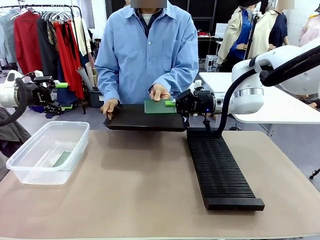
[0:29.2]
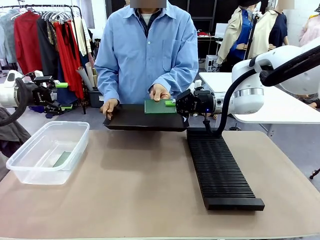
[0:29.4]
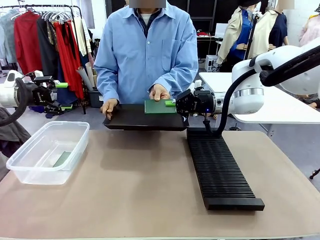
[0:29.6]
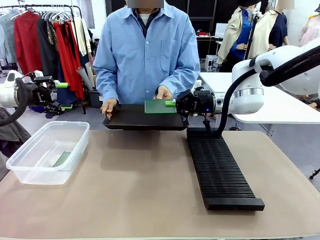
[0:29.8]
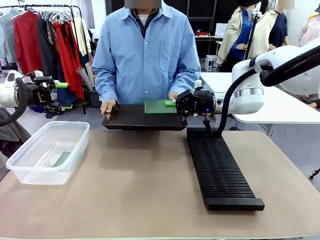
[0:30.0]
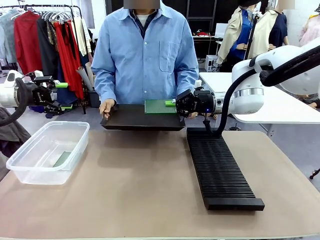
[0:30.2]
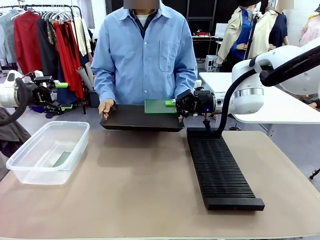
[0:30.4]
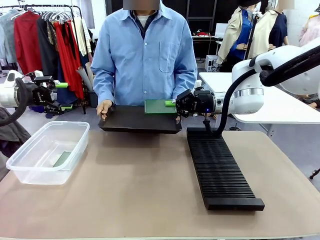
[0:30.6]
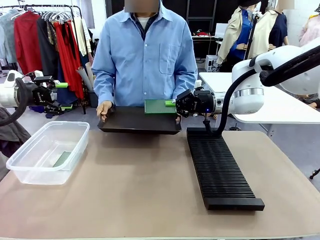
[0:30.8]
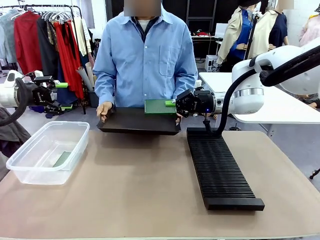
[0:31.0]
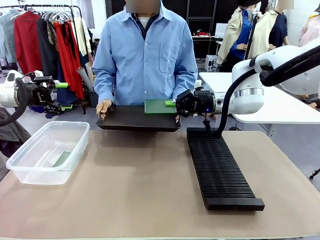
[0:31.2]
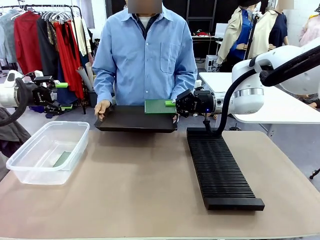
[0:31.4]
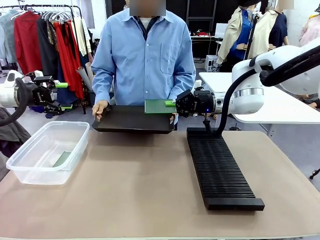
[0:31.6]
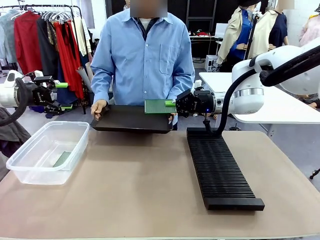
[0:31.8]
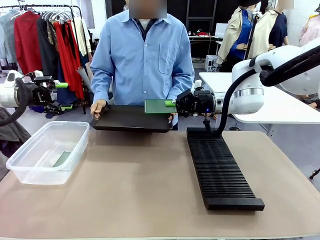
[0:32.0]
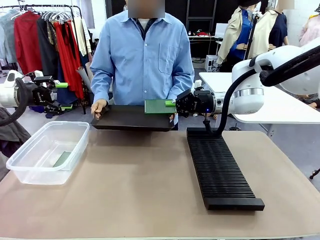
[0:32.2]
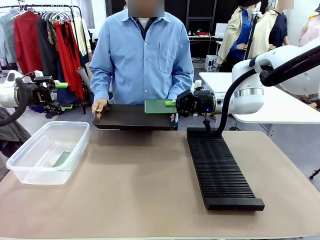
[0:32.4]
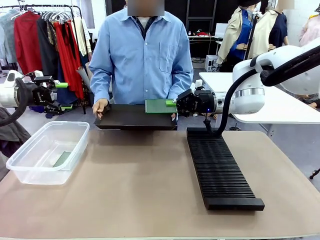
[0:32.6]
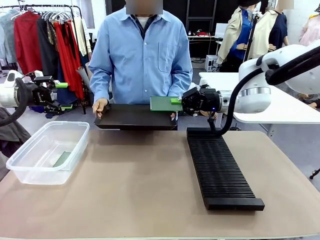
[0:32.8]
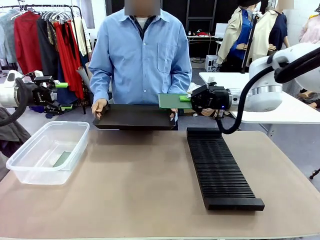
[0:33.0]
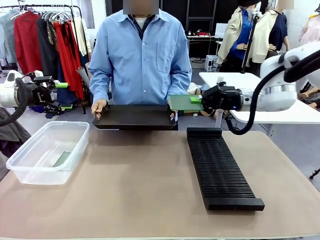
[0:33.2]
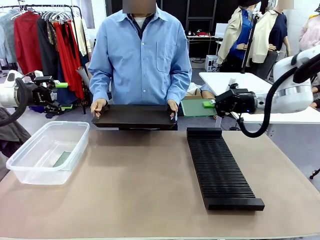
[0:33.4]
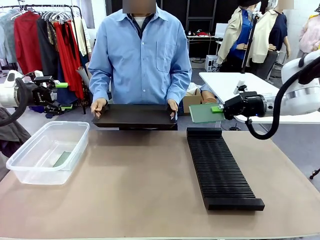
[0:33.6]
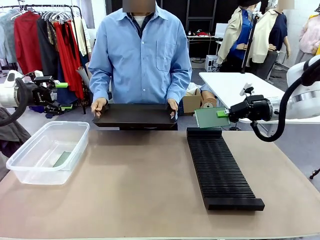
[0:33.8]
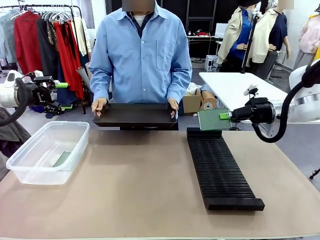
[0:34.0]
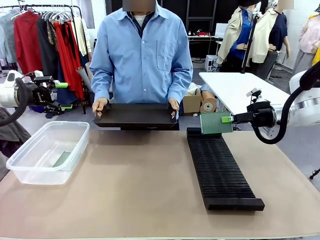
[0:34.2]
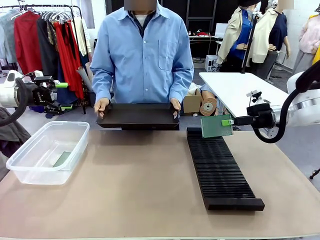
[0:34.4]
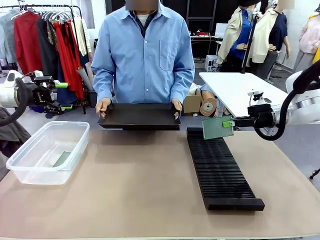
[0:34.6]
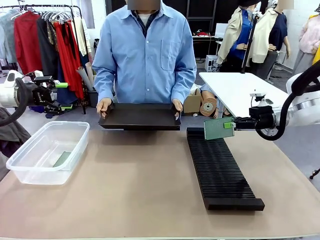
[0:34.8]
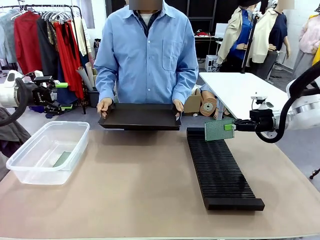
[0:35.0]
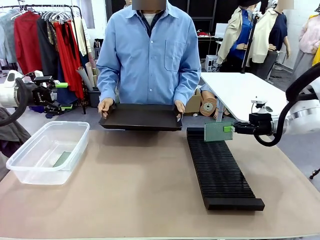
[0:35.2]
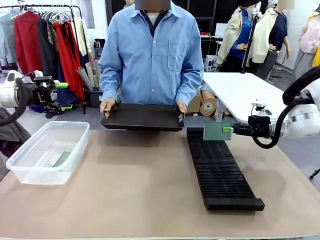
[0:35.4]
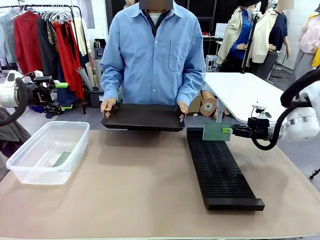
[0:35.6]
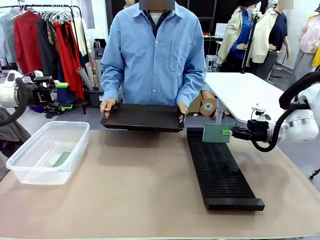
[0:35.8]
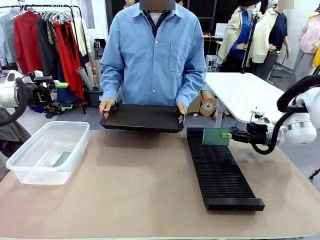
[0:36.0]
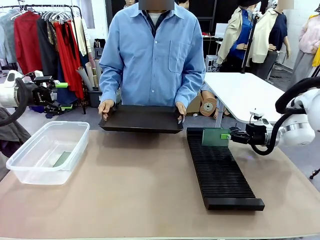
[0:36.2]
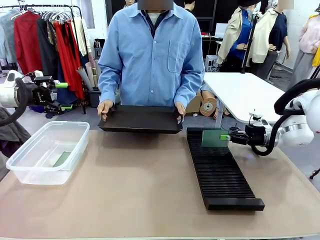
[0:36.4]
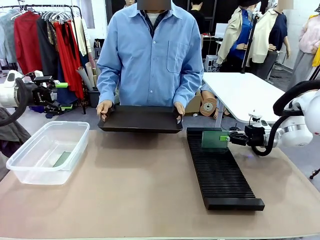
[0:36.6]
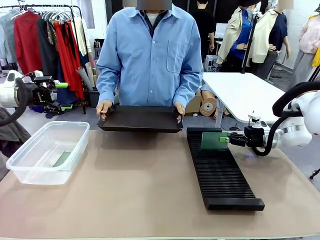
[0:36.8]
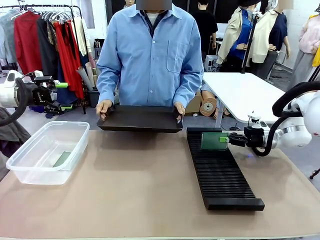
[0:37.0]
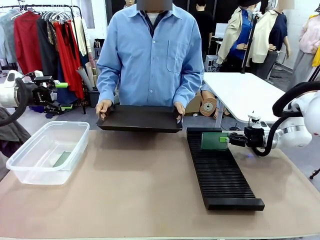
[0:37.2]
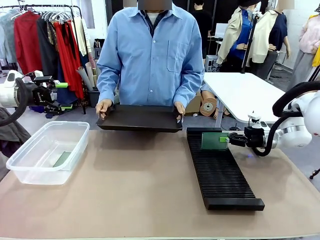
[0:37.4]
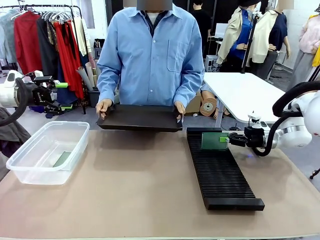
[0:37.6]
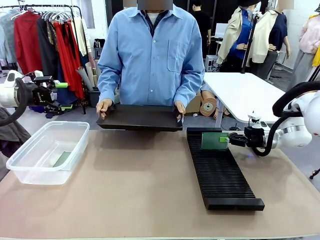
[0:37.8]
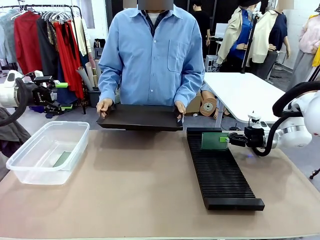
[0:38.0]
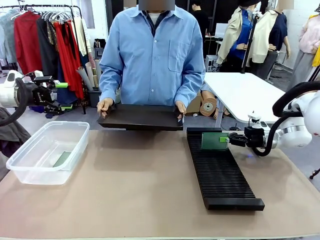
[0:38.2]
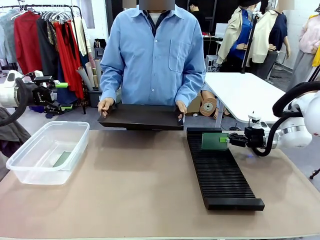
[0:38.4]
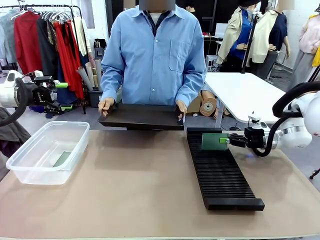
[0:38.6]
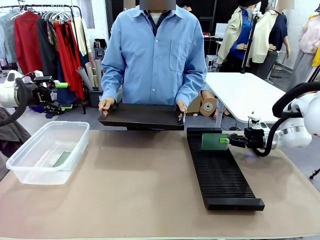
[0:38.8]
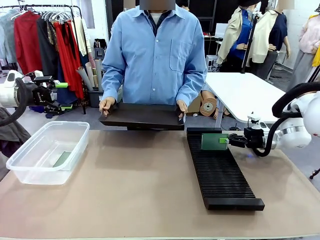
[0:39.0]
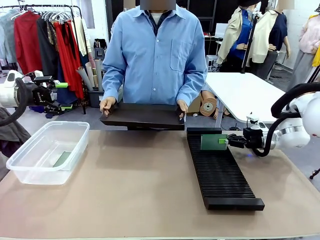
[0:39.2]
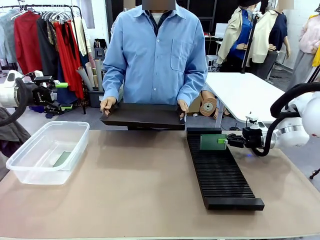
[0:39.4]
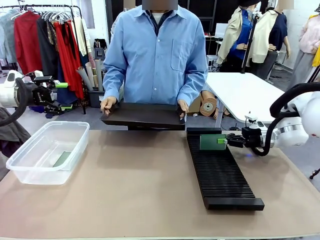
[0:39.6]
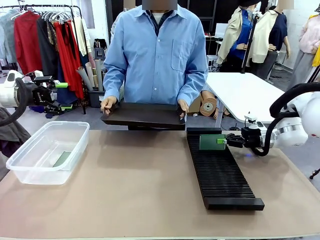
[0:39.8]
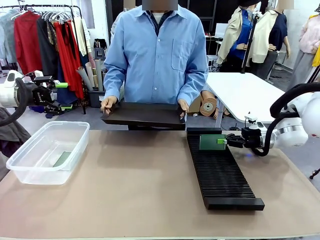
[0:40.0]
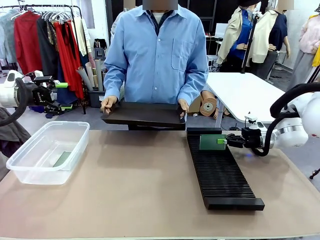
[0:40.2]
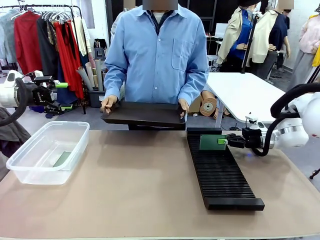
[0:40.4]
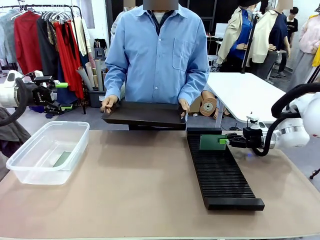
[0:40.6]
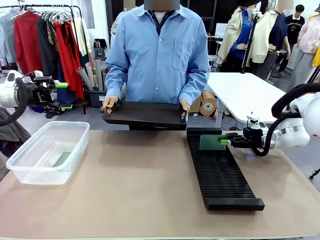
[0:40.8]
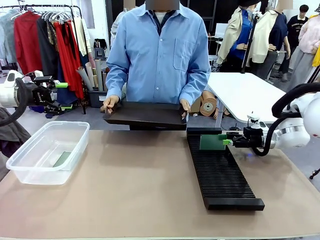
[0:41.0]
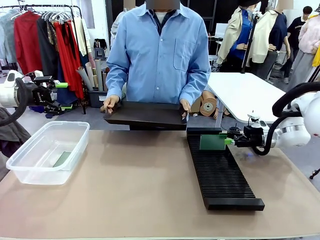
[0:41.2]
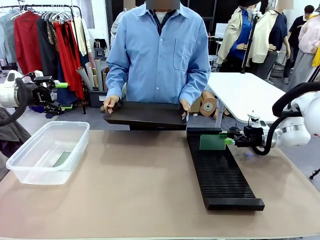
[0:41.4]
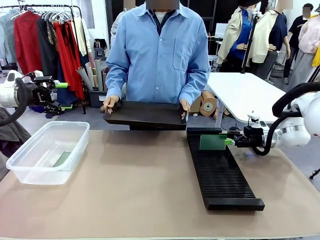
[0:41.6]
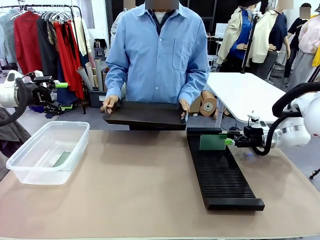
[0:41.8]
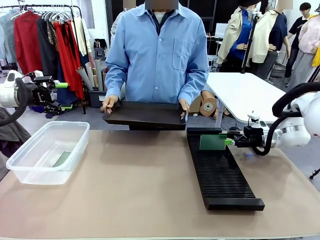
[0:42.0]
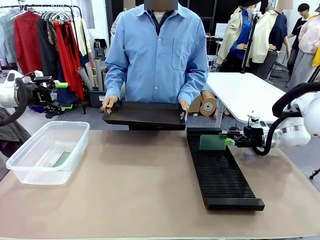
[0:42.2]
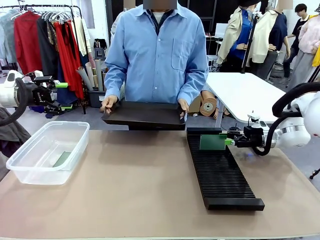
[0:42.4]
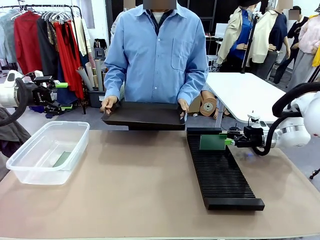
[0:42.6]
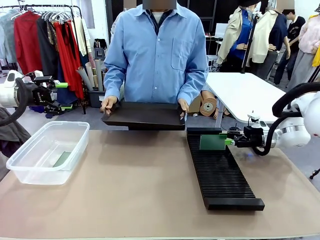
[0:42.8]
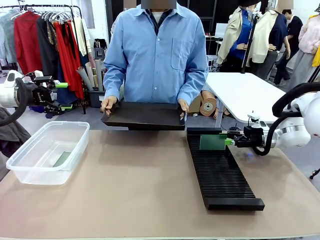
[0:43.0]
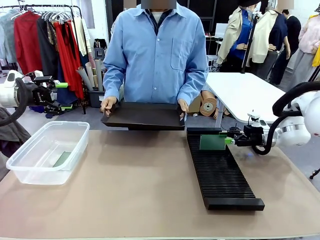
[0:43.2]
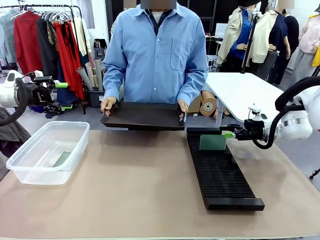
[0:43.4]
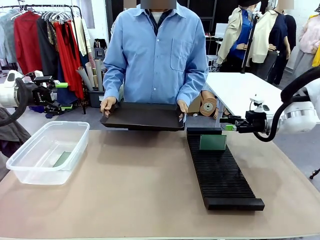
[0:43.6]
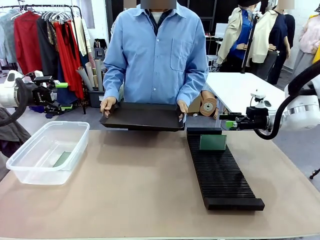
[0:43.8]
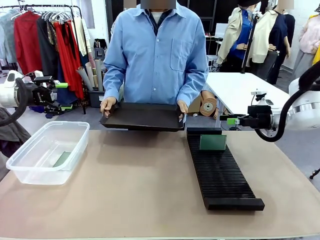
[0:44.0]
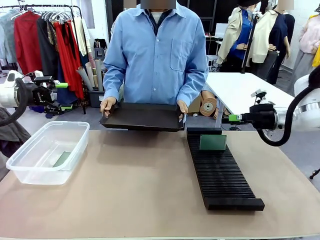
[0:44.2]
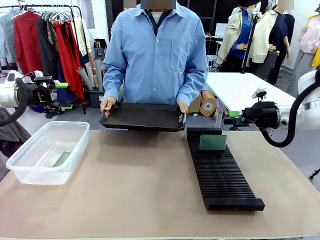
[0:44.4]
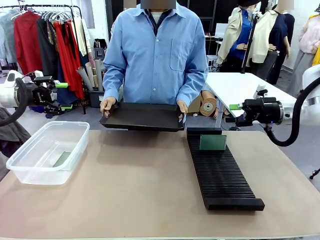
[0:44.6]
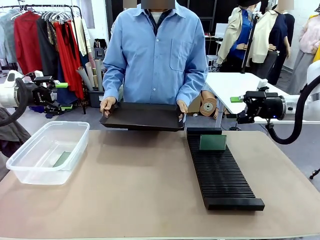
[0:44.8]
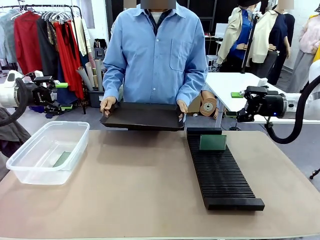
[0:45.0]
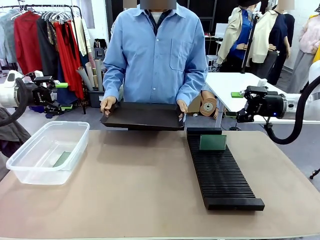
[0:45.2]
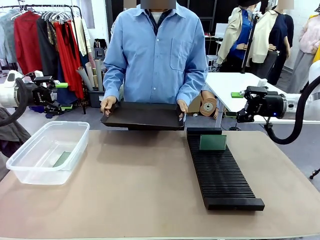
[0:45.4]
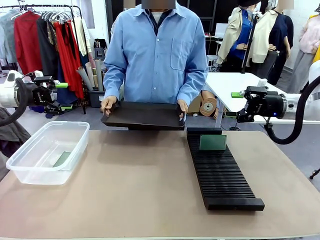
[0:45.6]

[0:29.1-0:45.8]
Task: Sort PCBs into racks and boxes based on the side picked up.
Robot: If the short side of the Blank PCB is picked up, insert it into the PCB Rack ; if the long side is picked up, place it in the Organizing box.
Person: Release the PCB being held.
